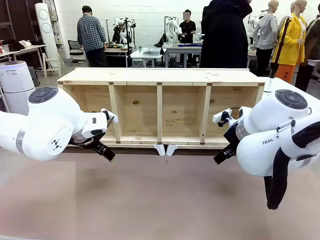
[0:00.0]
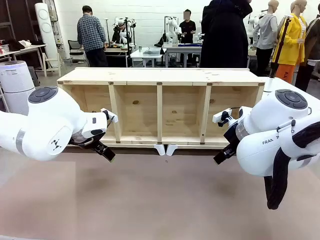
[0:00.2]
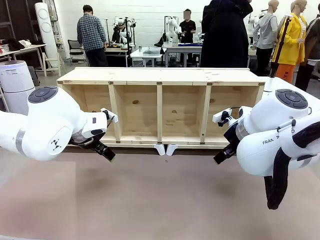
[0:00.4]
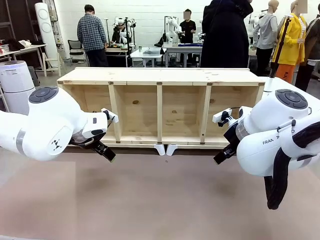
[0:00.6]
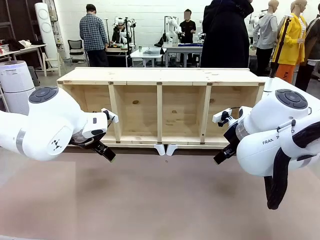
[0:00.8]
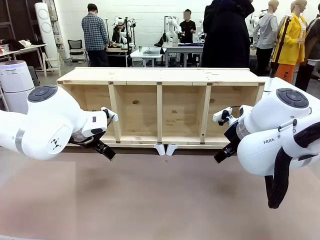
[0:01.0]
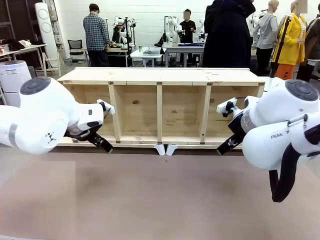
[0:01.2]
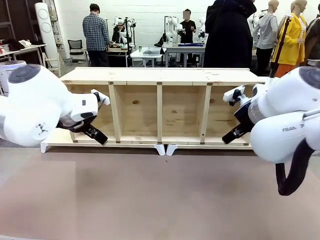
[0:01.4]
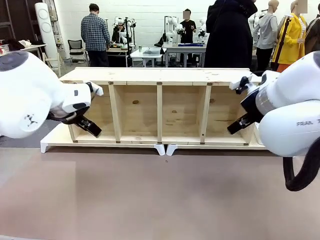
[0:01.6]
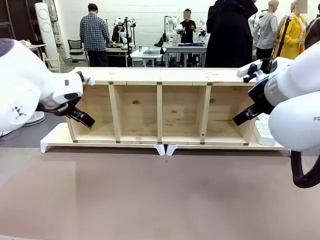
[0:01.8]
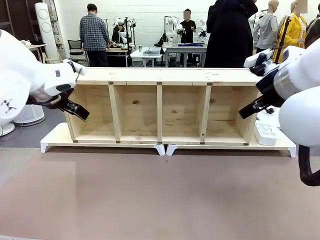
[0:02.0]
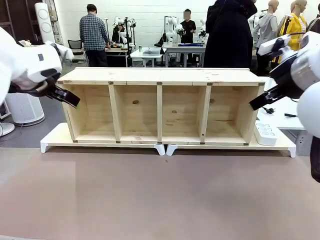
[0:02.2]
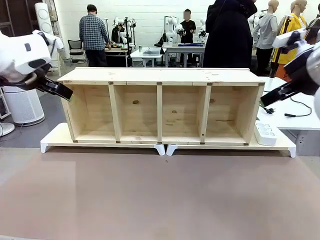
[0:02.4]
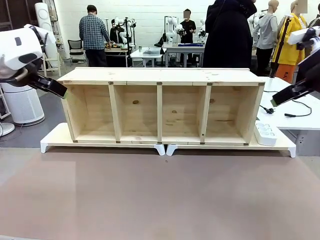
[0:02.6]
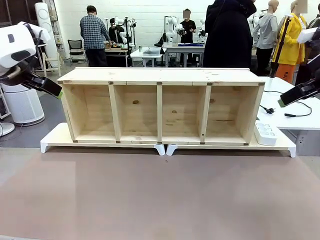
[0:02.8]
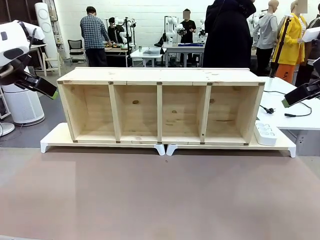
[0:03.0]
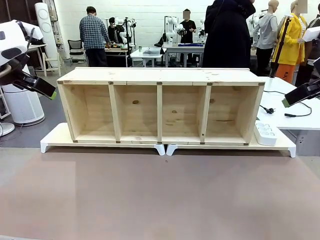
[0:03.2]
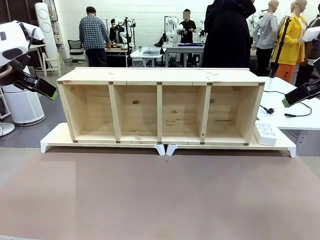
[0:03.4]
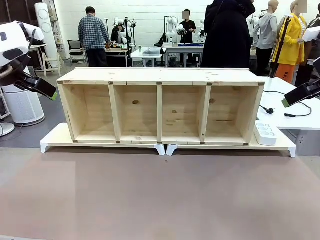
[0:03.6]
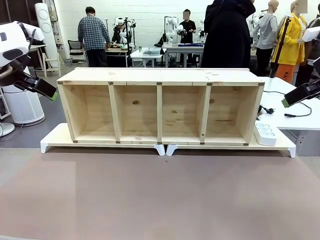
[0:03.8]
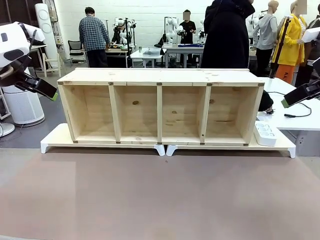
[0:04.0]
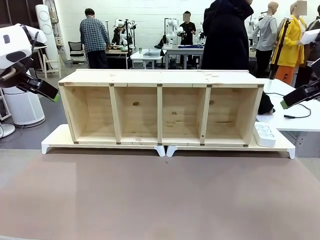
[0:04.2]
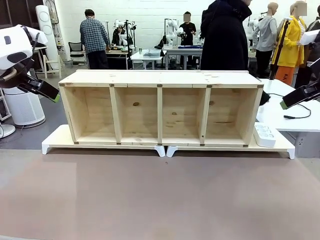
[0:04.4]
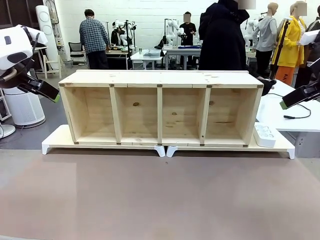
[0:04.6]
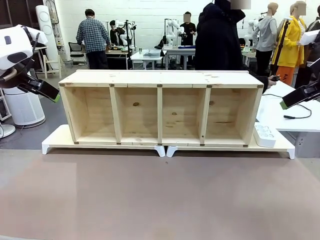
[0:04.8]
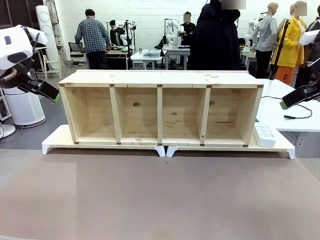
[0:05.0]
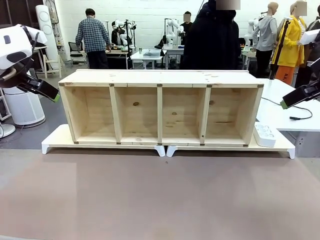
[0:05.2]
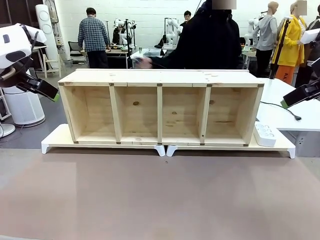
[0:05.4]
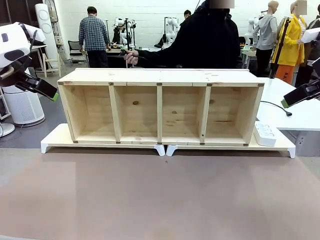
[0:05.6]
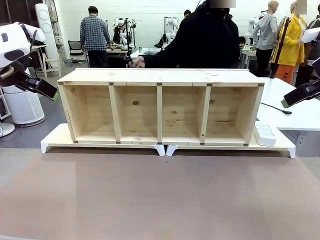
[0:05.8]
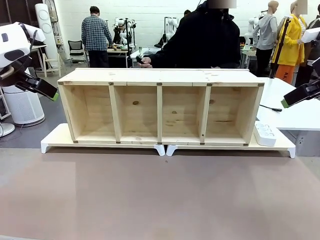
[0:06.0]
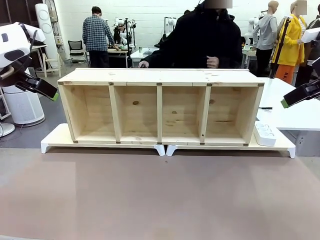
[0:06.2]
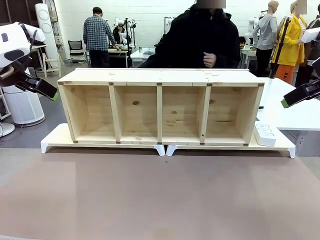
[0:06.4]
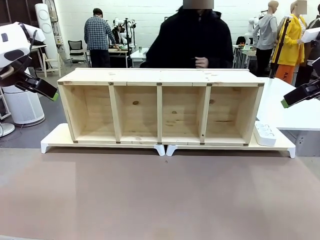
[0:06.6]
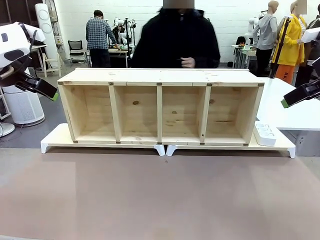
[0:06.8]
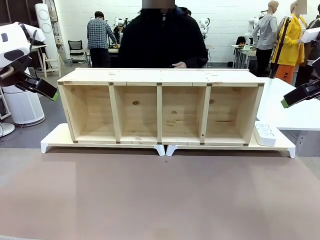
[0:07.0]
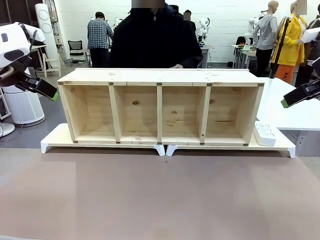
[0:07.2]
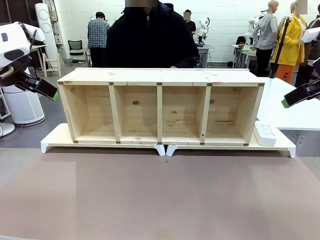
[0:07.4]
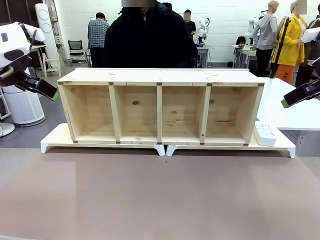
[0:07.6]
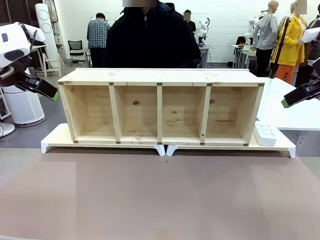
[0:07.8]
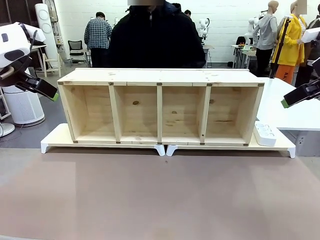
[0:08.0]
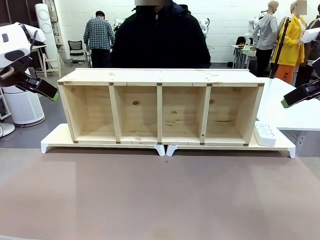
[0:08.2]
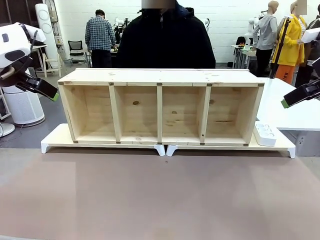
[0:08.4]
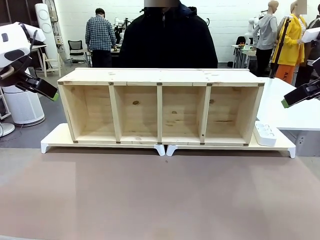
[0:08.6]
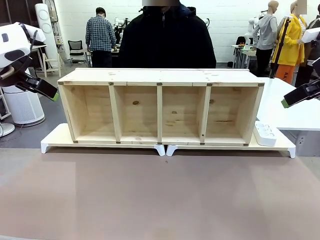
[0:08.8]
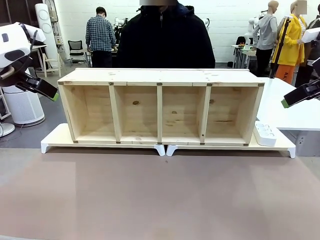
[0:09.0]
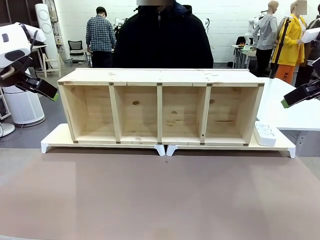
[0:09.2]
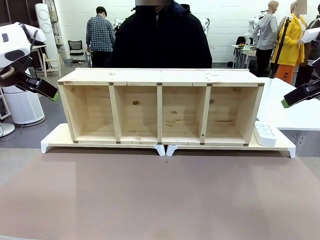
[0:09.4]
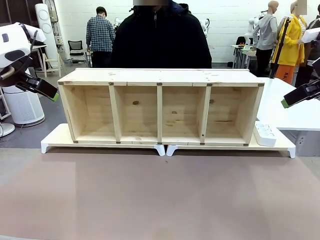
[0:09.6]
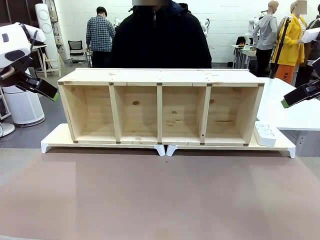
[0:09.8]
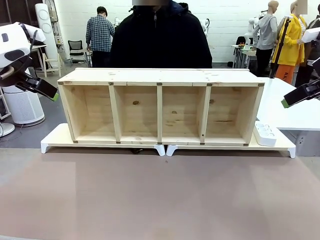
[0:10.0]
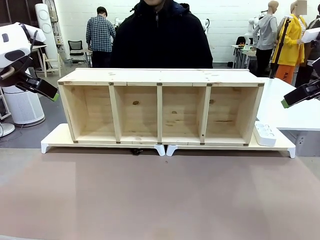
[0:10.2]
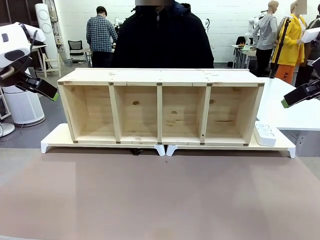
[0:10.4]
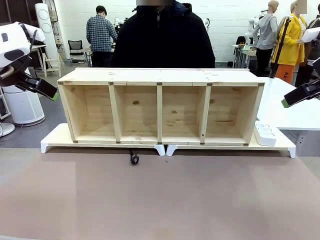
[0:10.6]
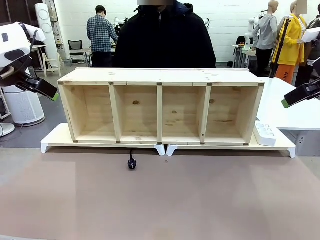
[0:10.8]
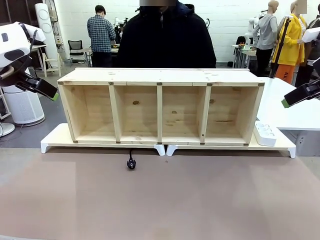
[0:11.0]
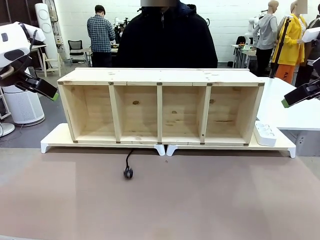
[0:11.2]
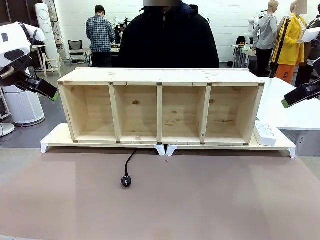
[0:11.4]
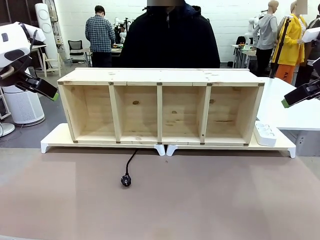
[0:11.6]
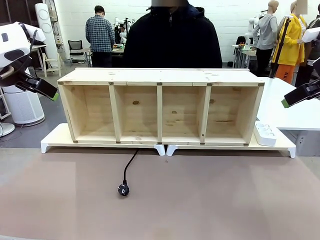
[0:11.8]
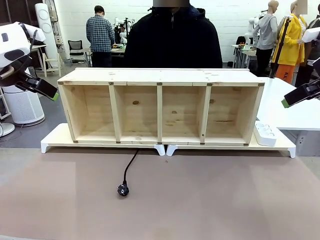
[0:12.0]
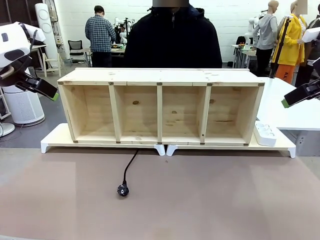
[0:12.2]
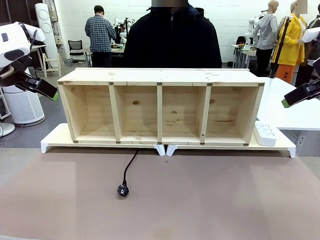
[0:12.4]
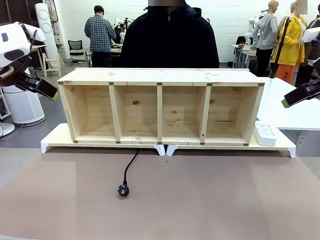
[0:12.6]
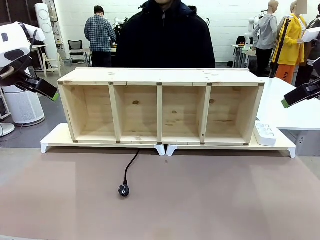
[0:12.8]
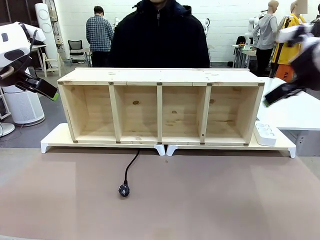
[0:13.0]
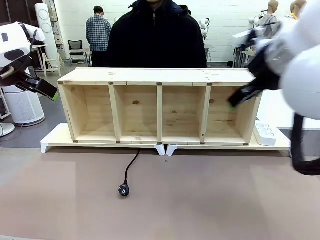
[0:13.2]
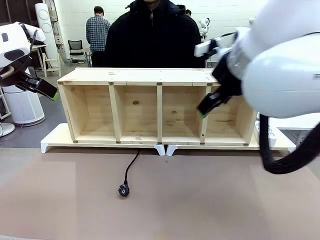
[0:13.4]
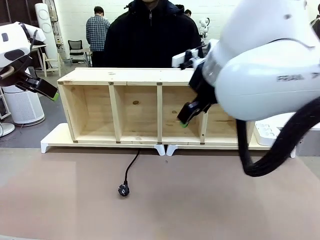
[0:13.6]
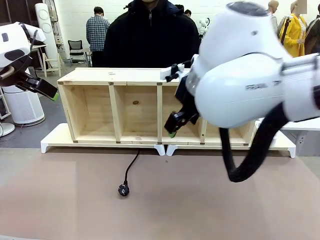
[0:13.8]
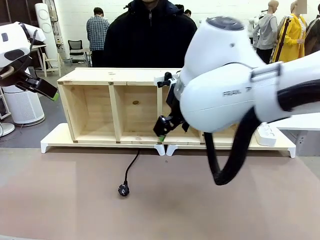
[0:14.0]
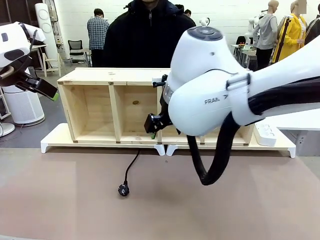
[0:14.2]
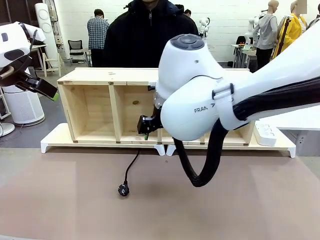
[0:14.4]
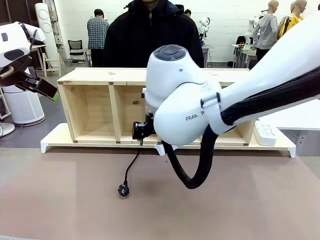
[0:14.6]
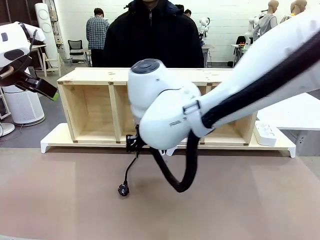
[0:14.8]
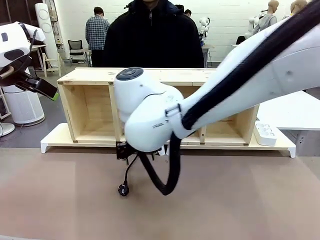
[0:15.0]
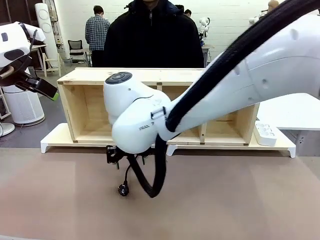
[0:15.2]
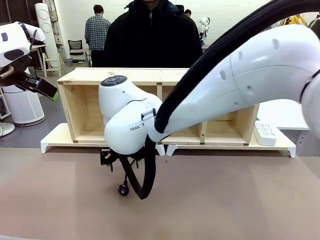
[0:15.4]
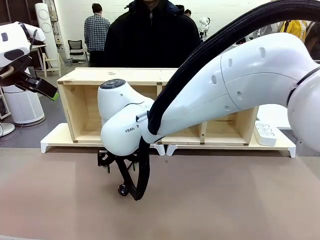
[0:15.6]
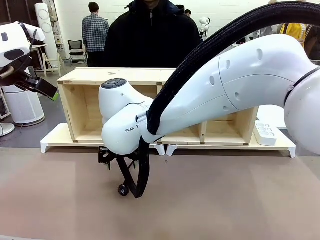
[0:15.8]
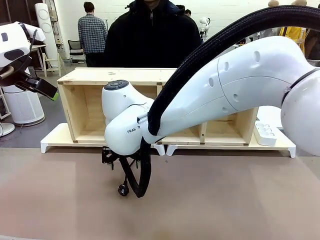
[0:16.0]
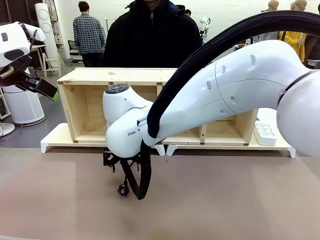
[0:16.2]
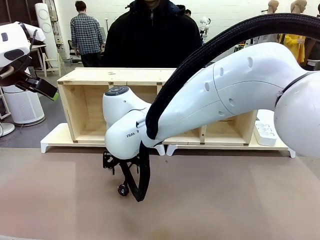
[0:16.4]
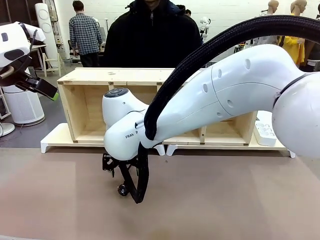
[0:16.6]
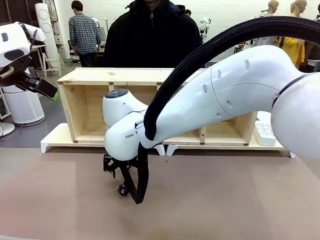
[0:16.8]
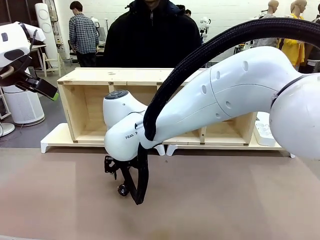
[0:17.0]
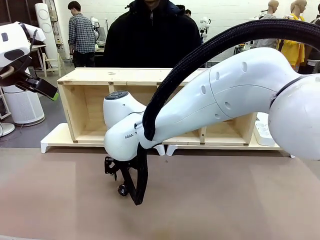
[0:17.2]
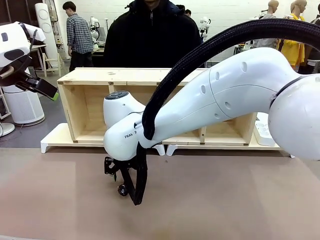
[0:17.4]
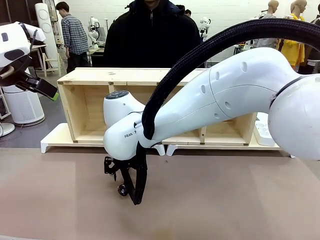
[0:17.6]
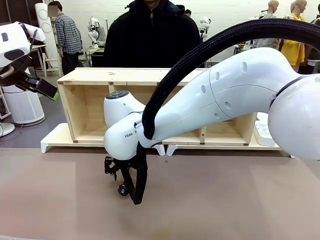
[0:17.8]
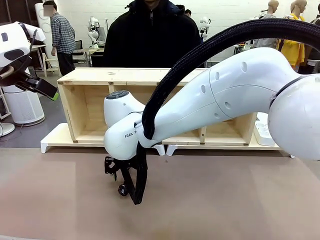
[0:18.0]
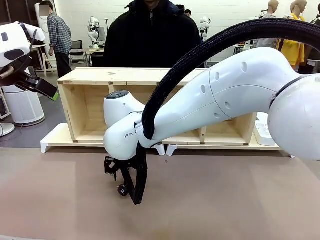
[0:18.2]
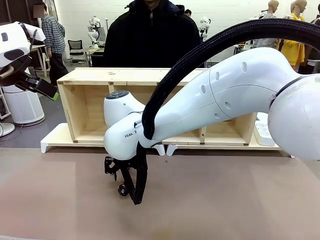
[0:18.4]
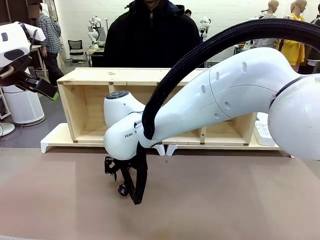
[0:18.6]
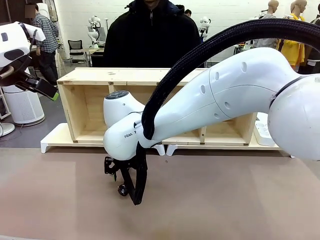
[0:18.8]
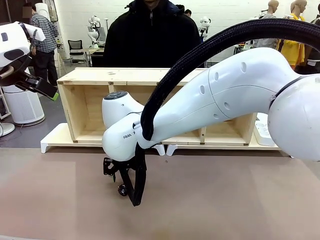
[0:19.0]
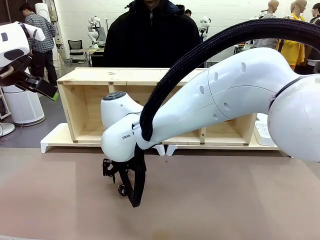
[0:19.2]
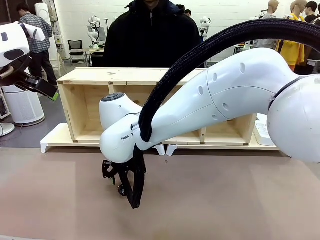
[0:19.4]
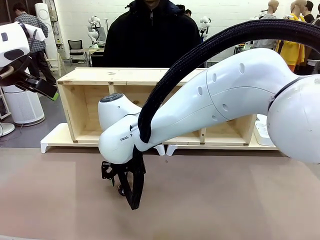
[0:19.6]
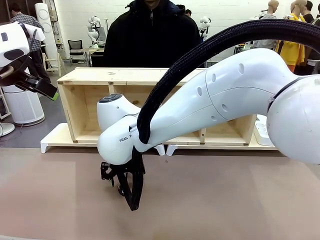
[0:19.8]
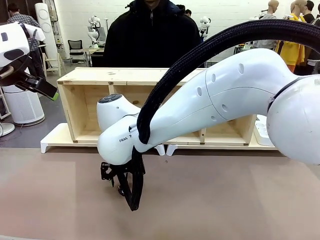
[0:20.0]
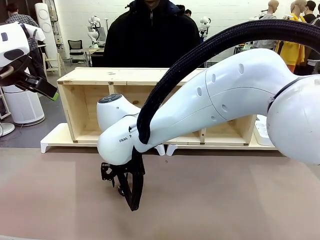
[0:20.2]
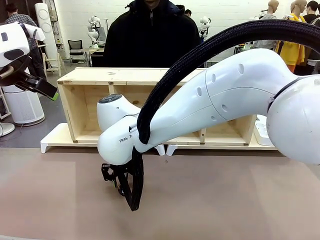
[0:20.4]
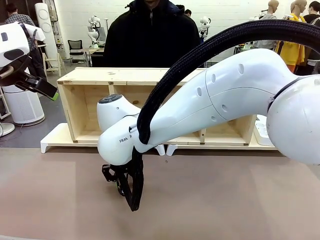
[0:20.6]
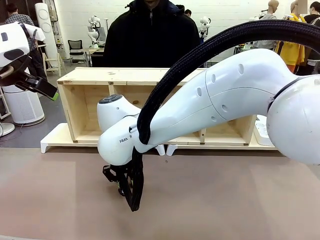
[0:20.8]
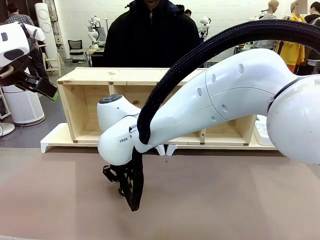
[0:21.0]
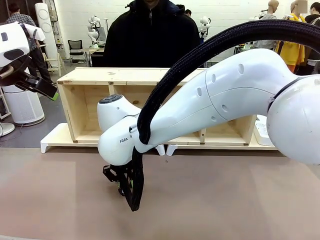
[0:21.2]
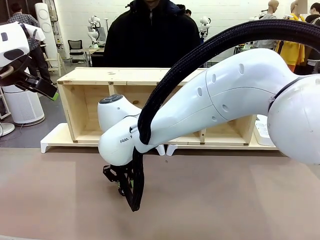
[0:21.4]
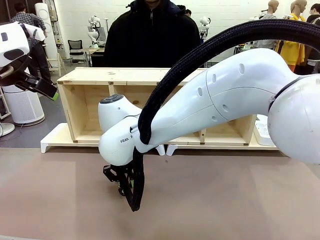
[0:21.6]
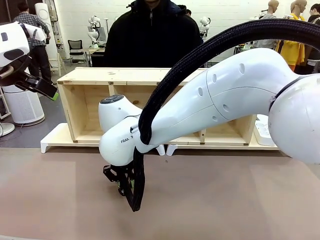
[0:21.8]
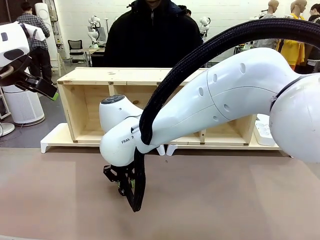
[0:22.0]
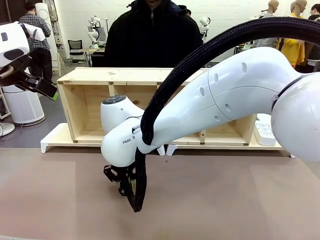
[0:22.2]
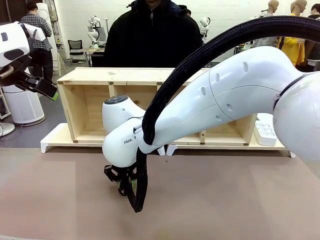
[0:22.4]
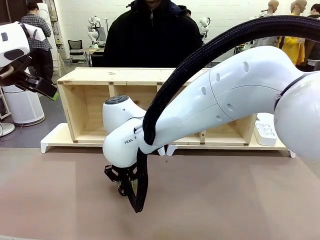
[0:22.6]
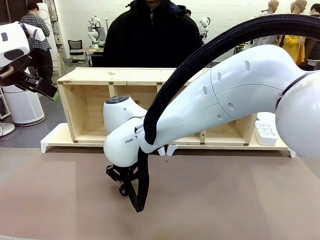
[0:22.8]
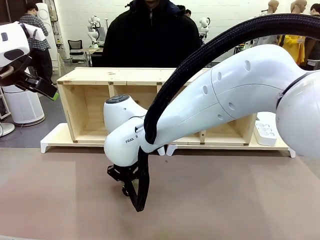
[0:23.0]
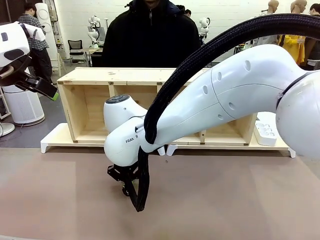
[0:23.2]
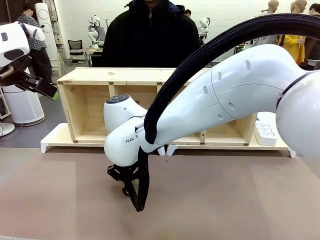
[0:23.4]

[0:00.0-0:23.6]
Task: Perform cable management.
Robot: When the cord part of the Power Cable appears at the lower middle area of the table and stops, grasp the cord part of the Power Cable.
Person: Pass the Power Cable under the Serving Table.
